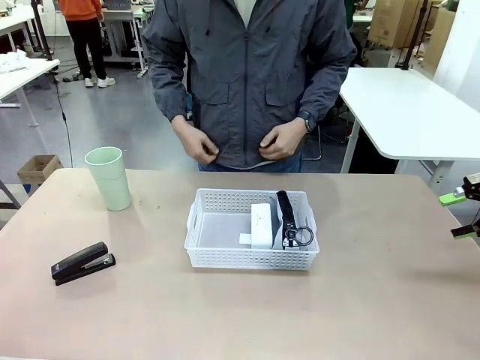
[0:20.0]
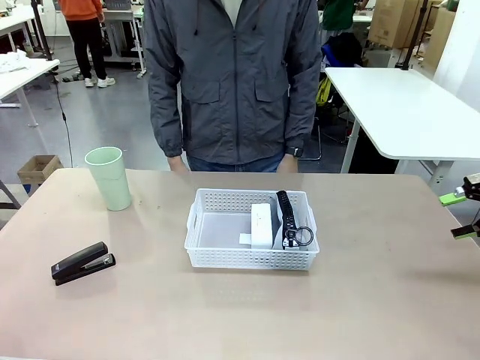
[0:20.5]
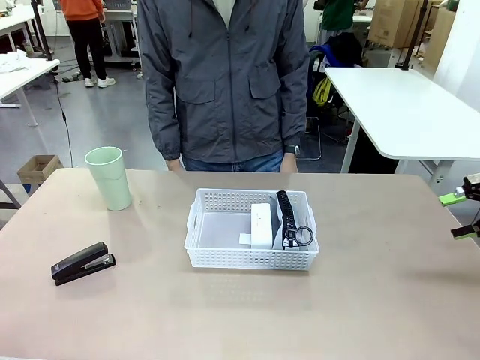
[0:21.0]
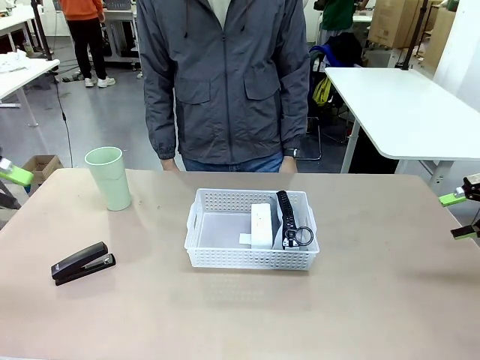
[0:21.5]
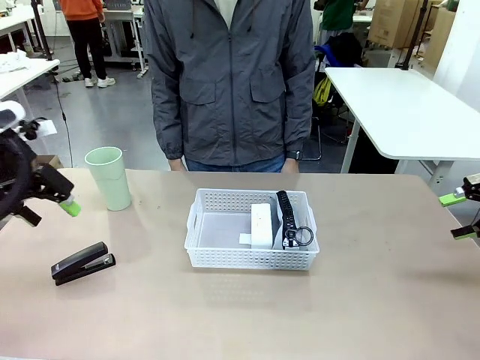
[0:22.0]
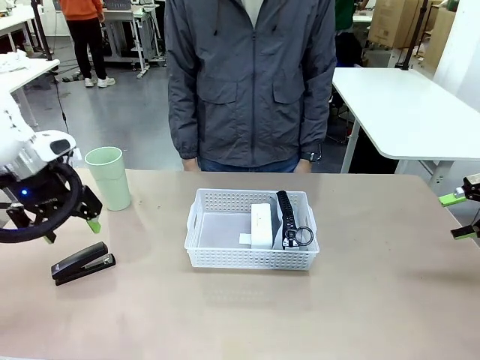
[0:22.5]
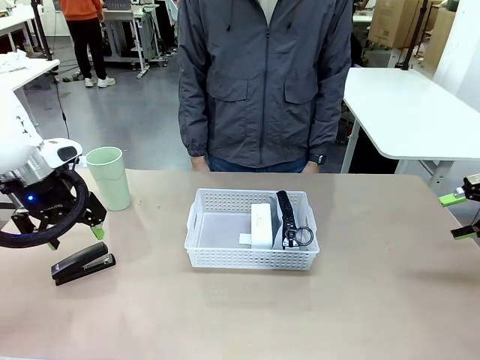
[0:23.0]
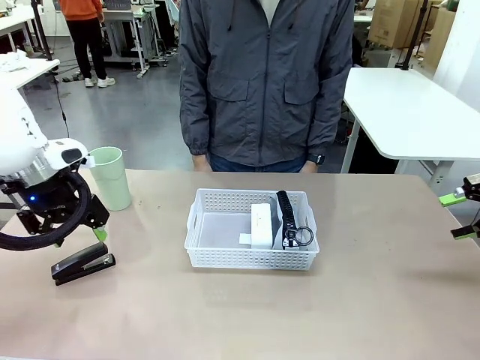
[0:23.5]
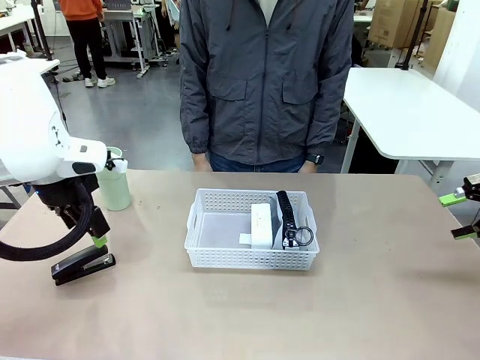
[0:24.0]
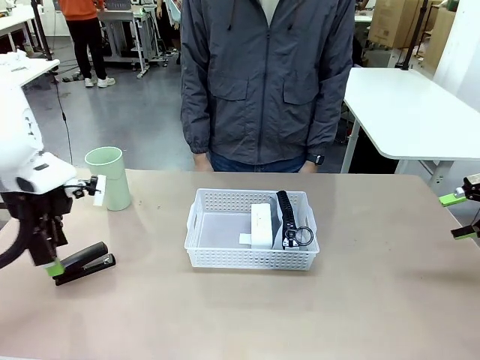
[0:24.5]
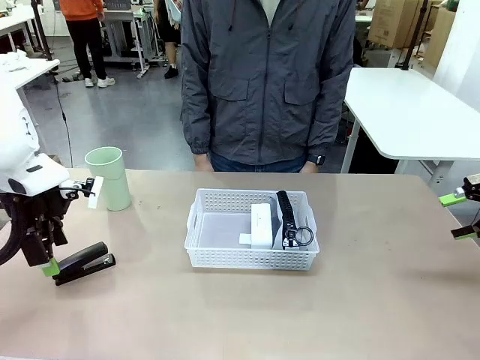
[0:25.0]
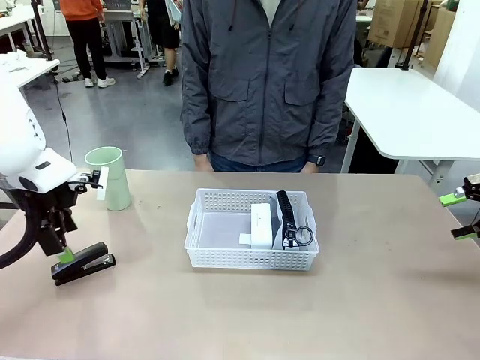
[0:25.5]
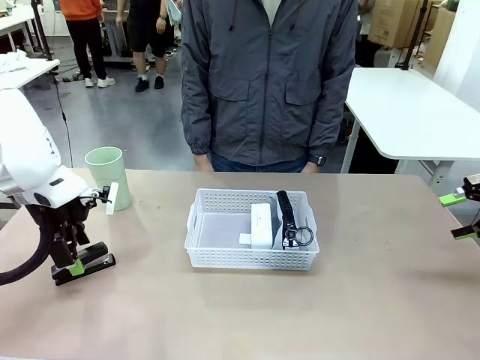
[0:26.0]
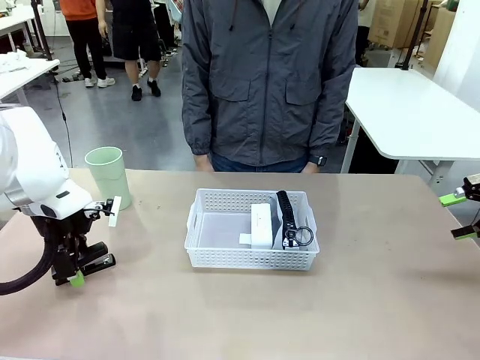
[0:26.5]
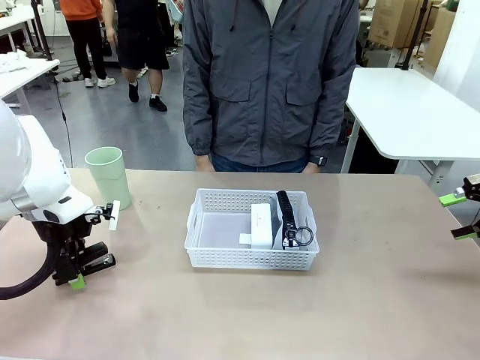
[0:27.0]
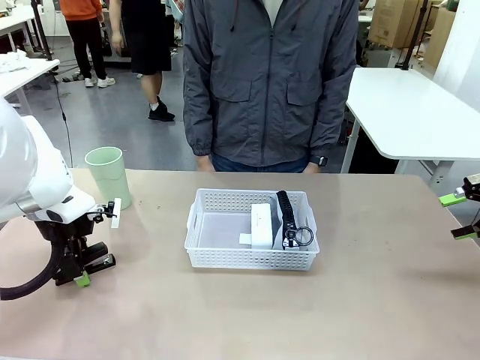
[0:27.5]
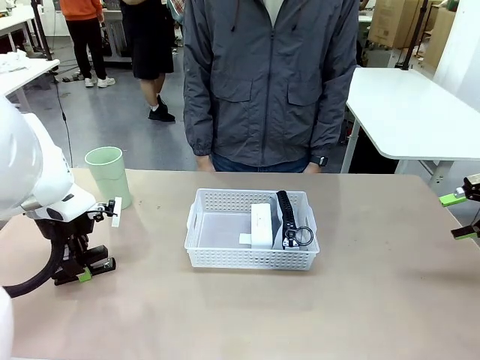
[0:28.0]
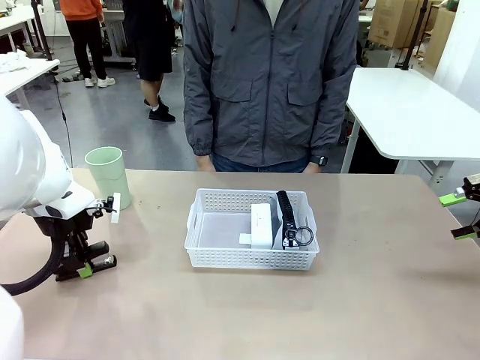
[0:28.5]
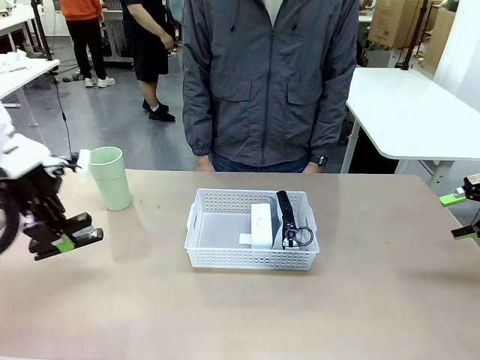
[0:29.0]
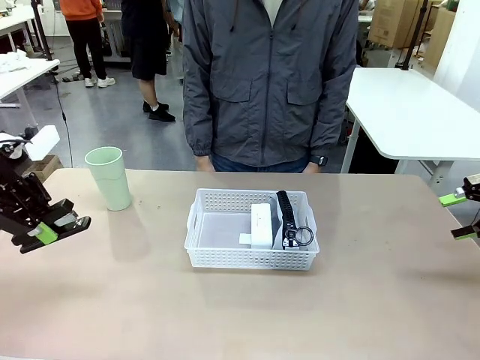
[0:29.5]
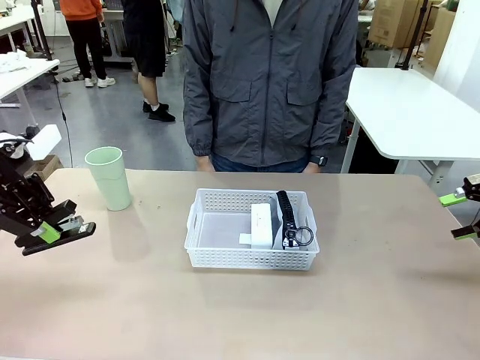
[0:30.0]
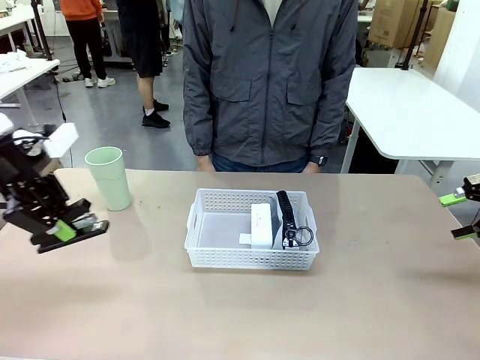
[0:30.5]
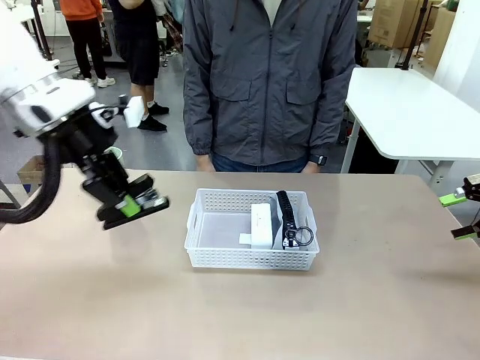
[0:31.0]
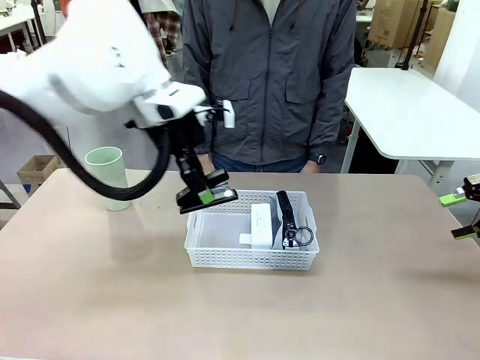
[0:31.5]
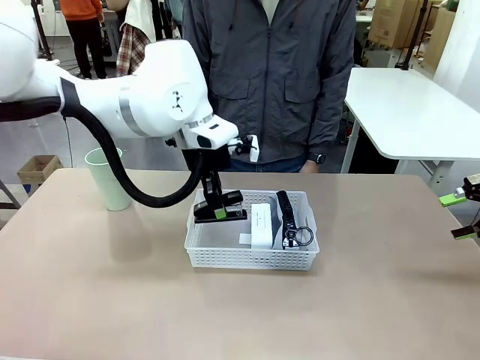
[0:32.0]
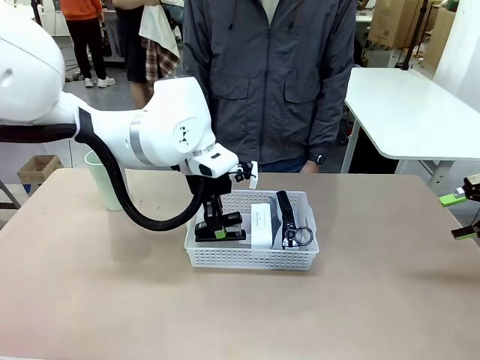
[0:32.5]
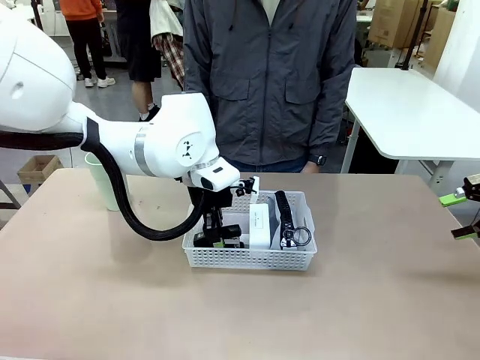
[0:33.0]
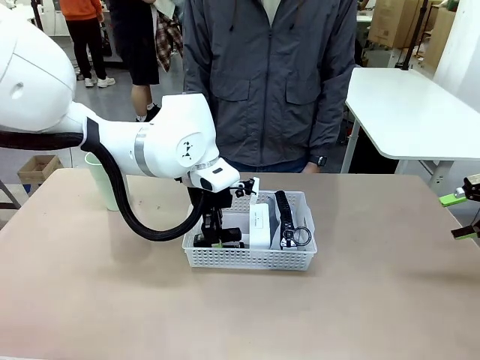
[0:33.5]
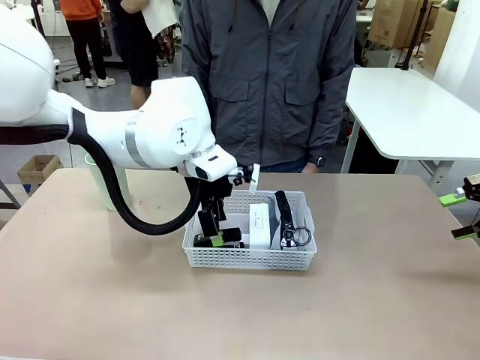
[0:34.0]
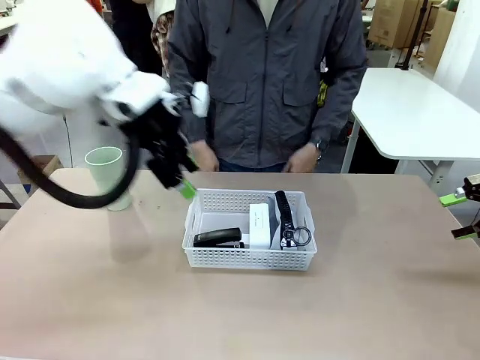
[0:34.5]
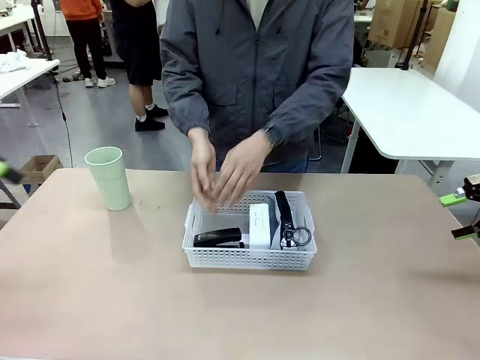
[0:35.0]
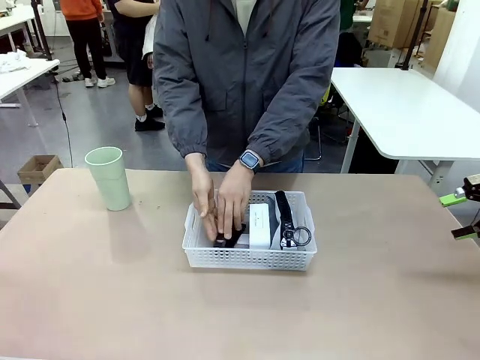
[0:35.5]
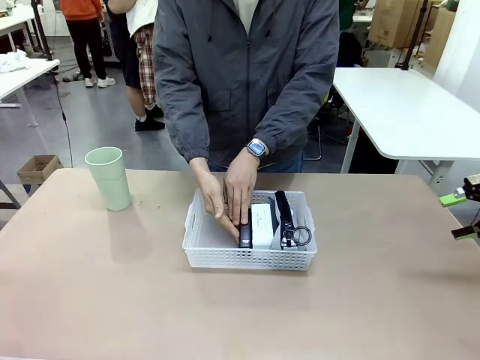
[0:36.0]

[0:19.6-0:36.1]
Task: Efficiently arrange items inside the basket to fit them all.
Robot: Pick up the Stapler and place it inside the Organizing basket.

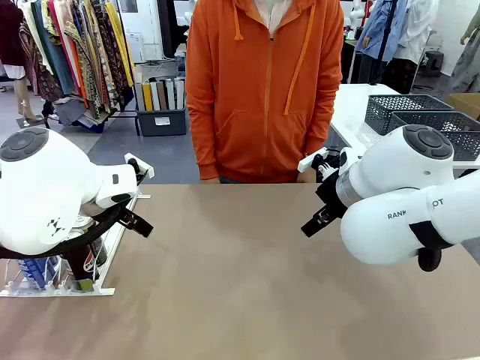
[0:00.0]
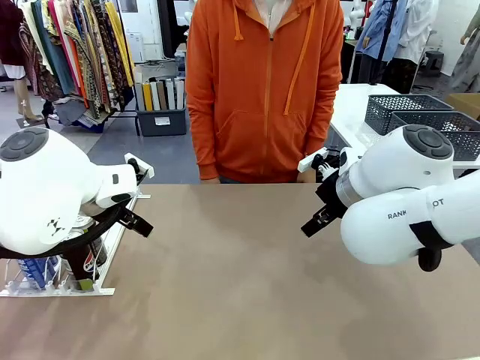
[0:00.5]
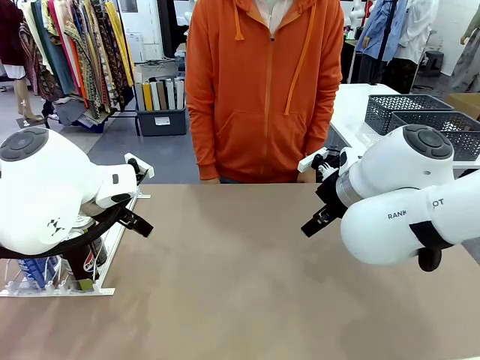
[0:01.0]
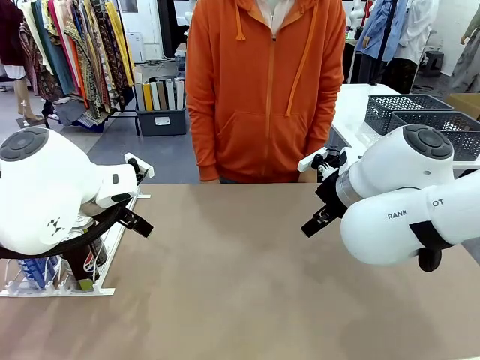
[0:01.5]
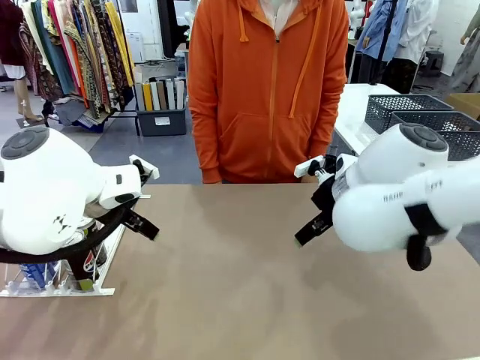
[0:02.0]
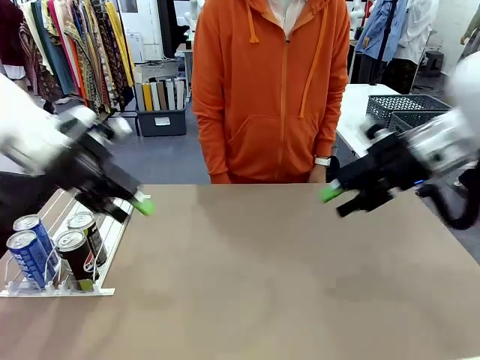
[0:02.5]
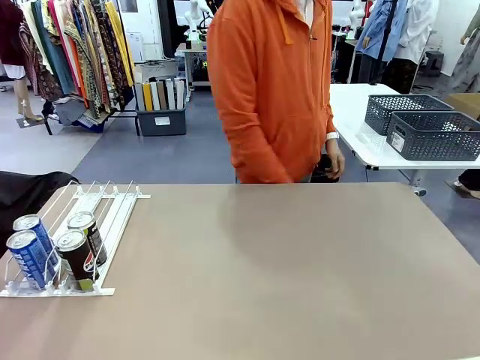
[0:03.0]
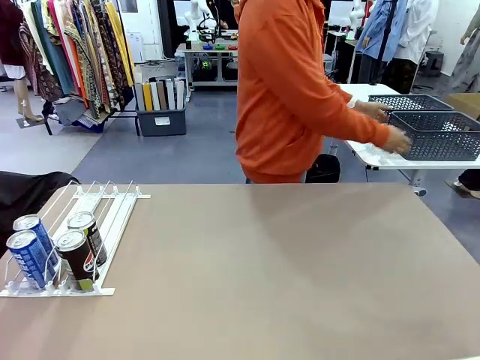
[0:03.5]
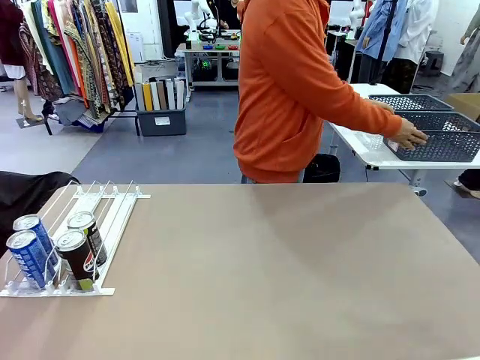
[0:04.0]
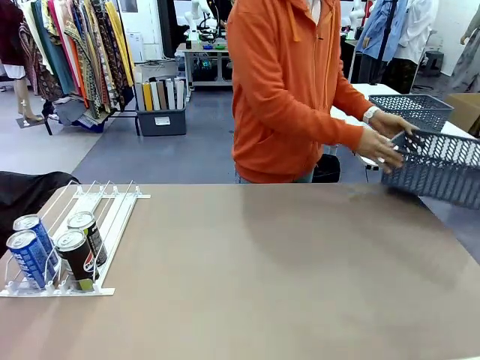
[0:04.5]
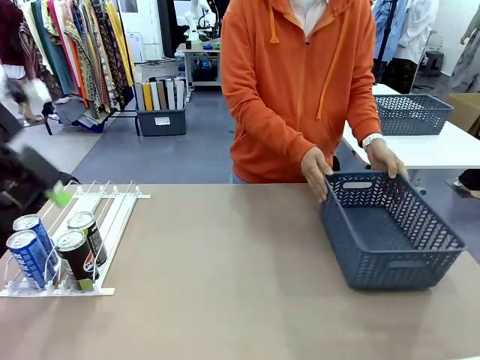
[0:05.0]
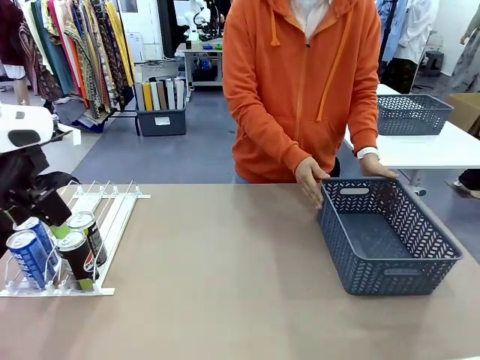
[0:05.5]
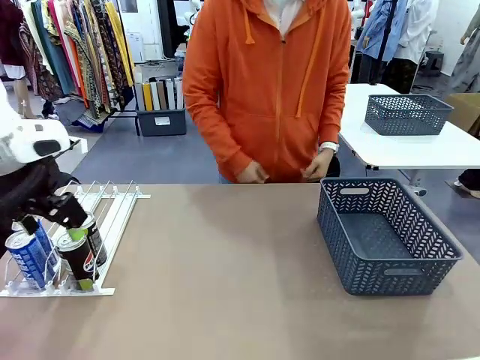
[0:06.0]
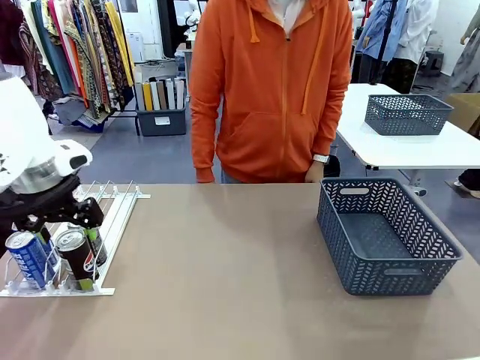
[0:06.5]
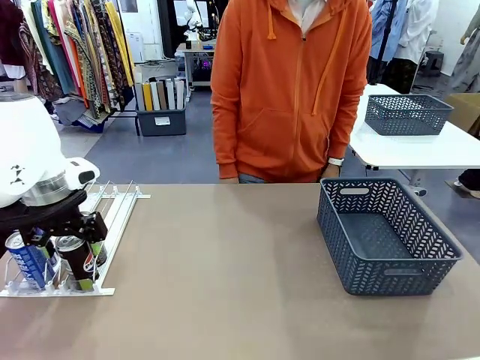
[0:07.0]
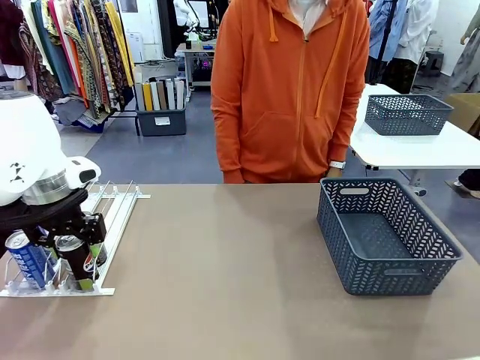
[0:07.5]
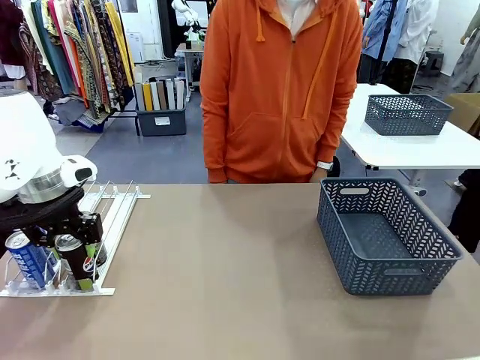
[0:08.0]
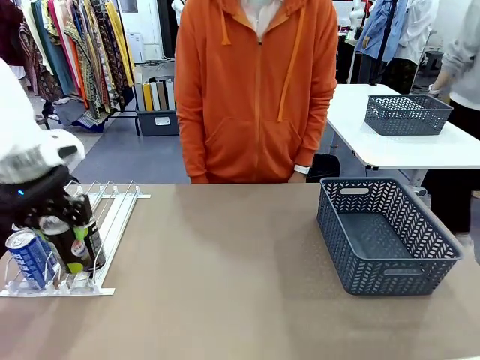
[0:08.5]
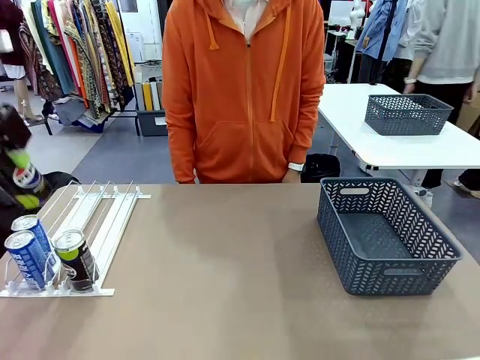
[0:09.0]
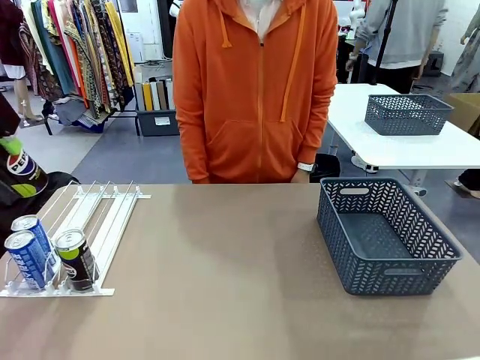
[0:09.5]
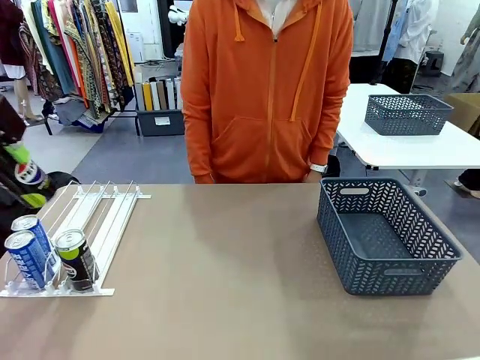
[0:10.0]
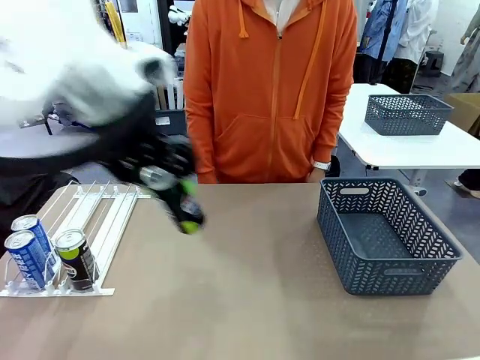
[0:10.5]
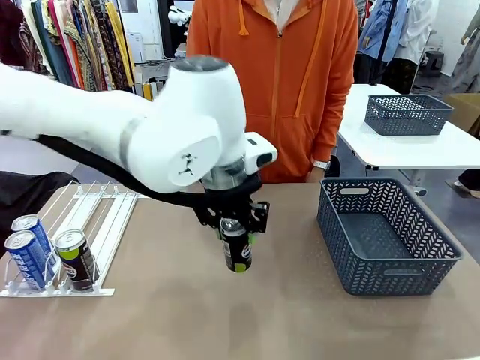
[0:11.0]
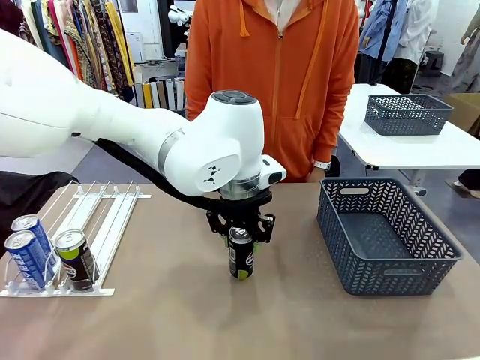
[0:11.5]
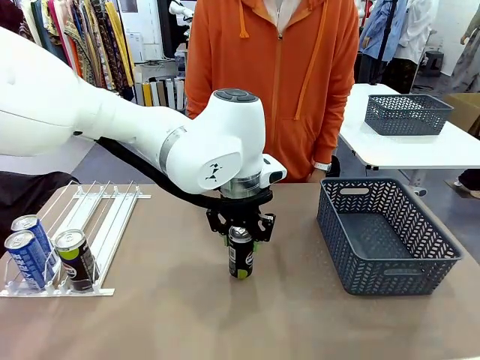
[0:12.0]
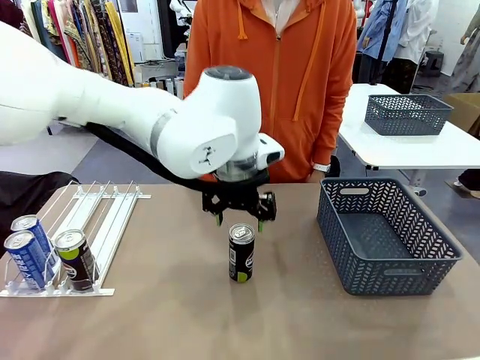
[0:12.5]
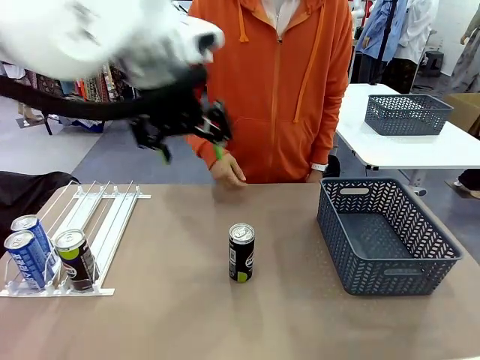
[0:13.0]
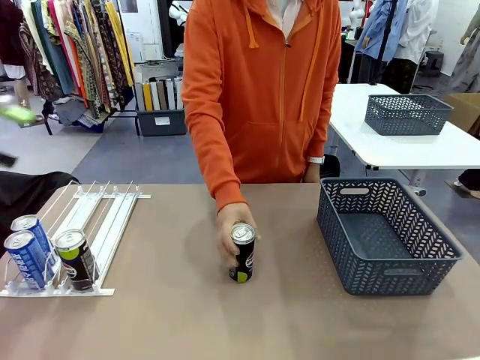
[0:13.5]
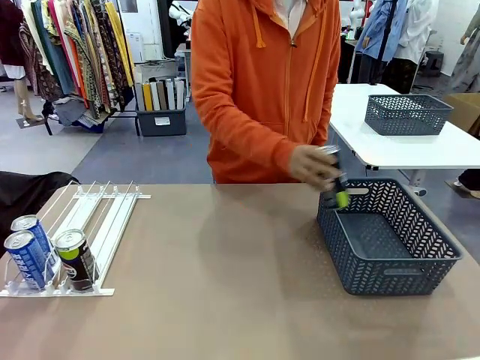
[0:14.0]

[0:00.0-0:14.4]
Task: Retrieve and store the cans from the dispenser.
Robot: Pick up one can from the Automatic Can Dispenser and place it in the middle of the table.
Person: Pick up the basket and place it on the left side of the robot table.
